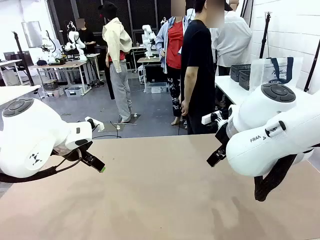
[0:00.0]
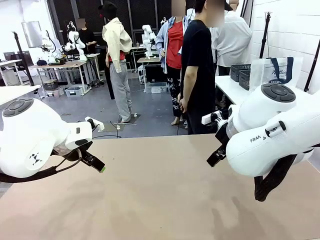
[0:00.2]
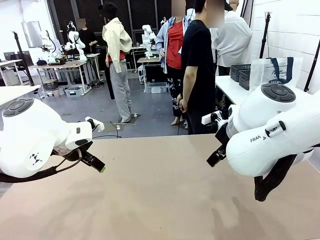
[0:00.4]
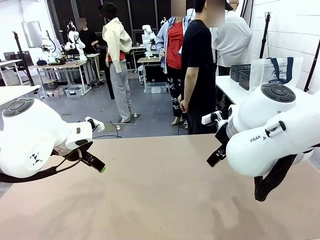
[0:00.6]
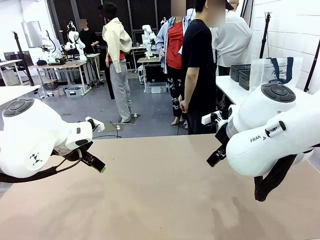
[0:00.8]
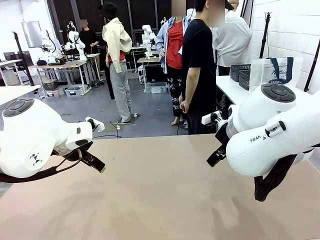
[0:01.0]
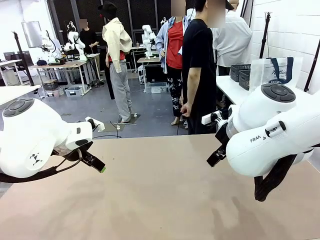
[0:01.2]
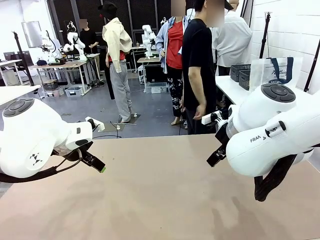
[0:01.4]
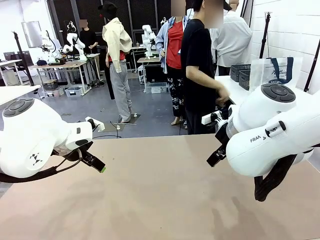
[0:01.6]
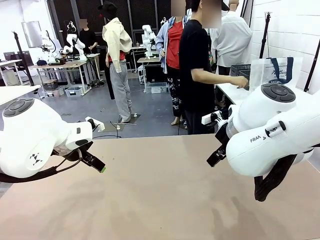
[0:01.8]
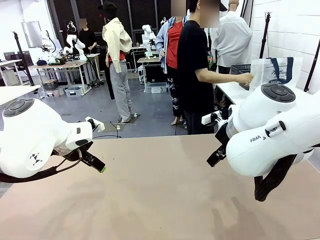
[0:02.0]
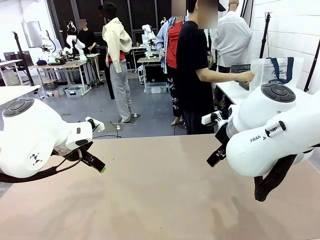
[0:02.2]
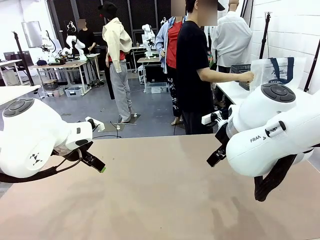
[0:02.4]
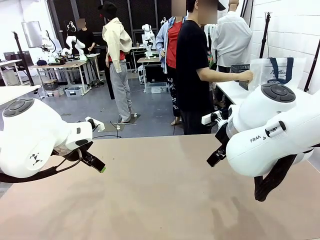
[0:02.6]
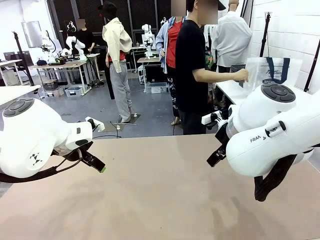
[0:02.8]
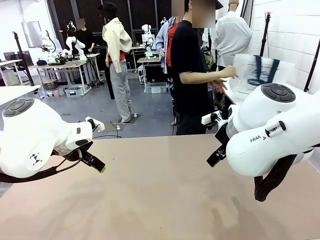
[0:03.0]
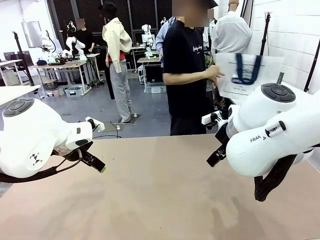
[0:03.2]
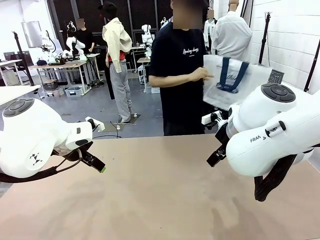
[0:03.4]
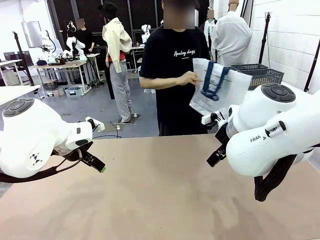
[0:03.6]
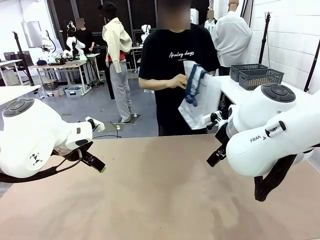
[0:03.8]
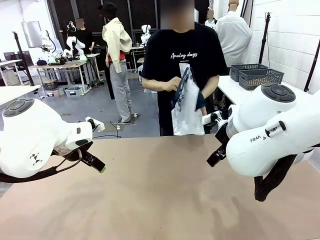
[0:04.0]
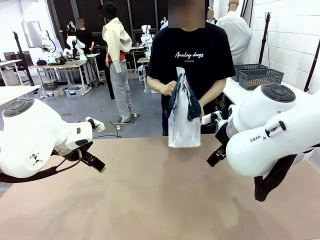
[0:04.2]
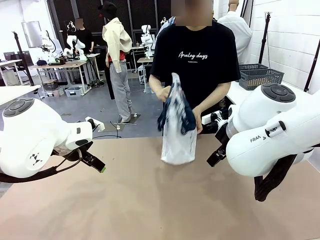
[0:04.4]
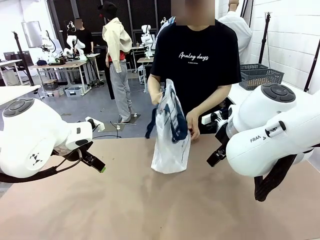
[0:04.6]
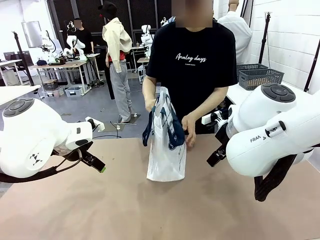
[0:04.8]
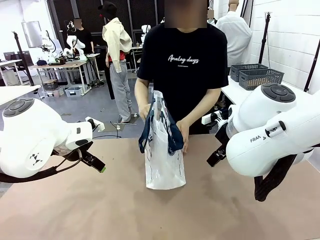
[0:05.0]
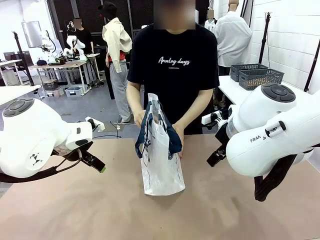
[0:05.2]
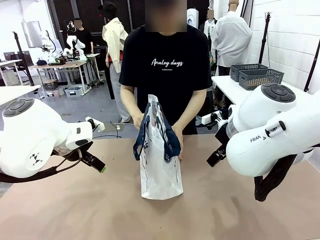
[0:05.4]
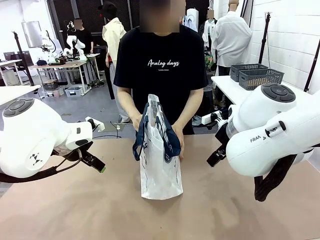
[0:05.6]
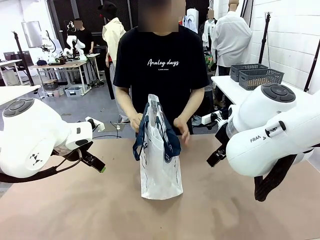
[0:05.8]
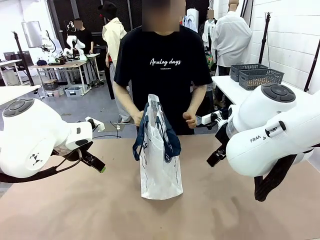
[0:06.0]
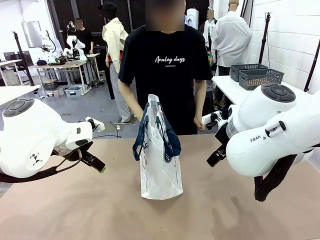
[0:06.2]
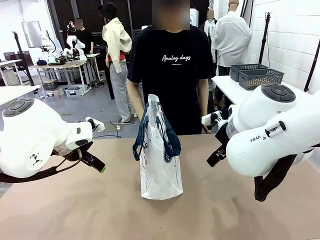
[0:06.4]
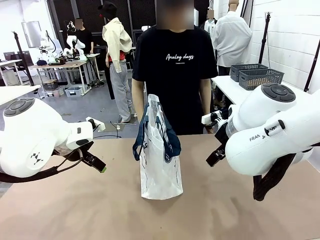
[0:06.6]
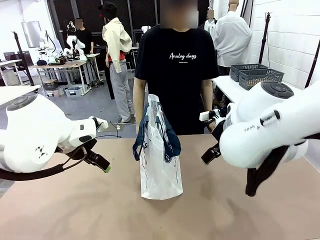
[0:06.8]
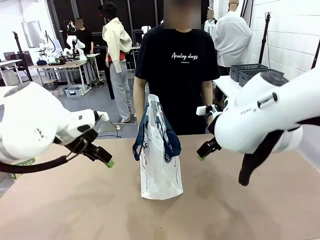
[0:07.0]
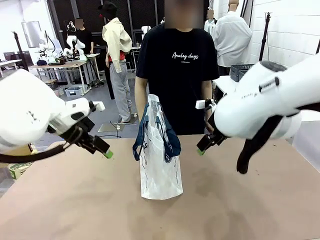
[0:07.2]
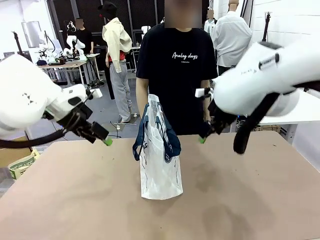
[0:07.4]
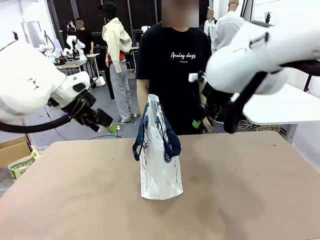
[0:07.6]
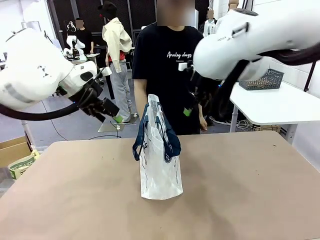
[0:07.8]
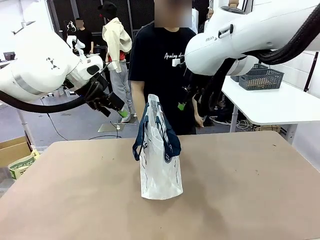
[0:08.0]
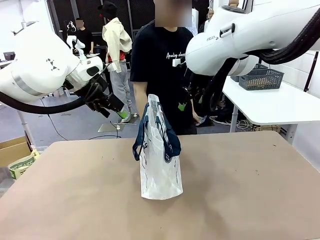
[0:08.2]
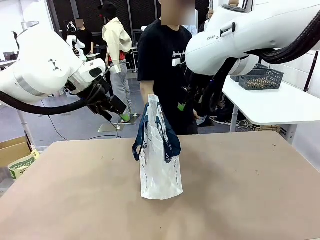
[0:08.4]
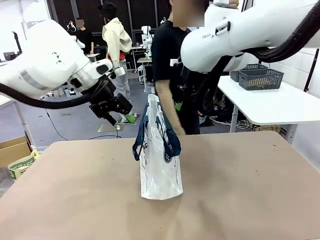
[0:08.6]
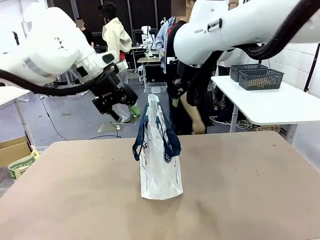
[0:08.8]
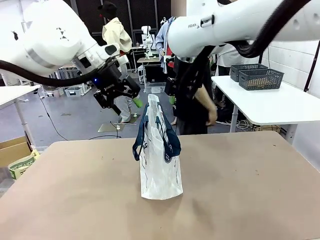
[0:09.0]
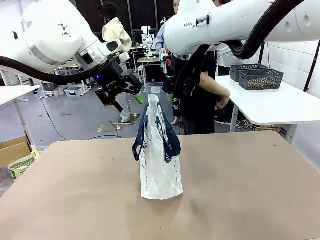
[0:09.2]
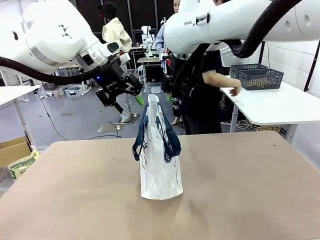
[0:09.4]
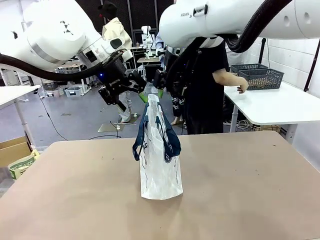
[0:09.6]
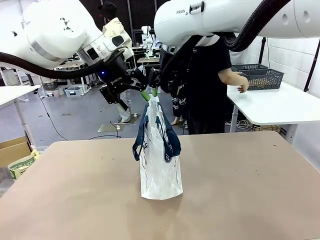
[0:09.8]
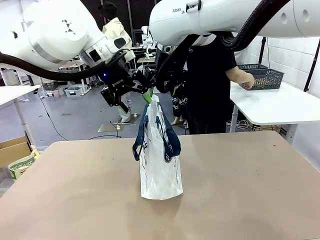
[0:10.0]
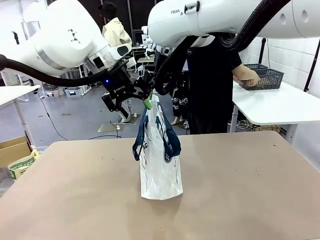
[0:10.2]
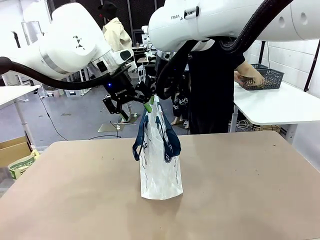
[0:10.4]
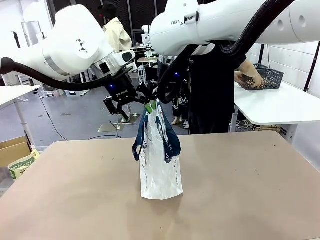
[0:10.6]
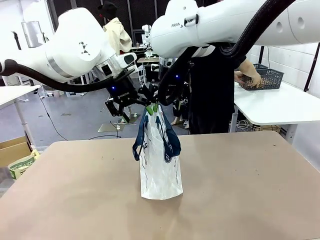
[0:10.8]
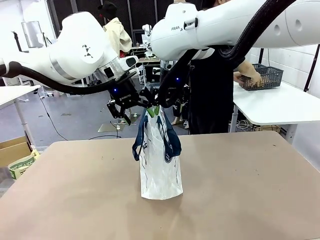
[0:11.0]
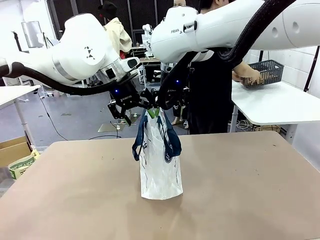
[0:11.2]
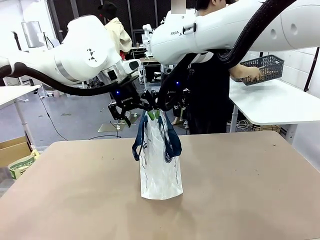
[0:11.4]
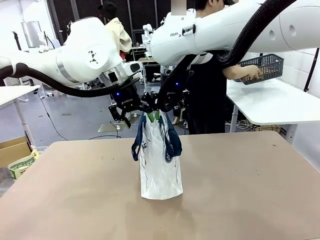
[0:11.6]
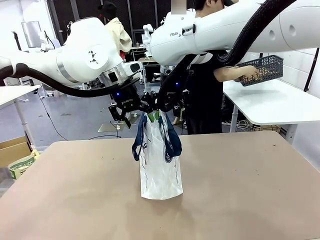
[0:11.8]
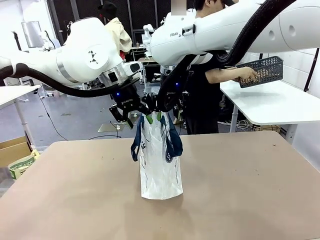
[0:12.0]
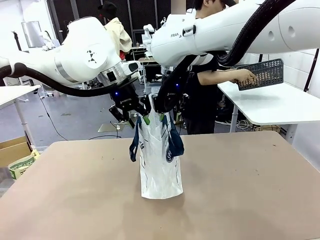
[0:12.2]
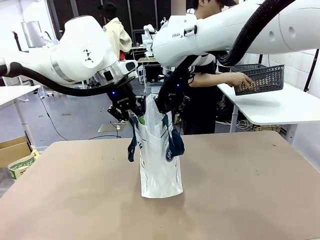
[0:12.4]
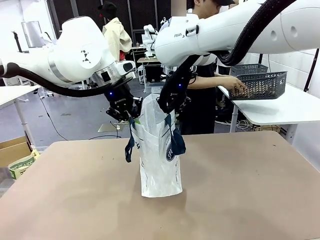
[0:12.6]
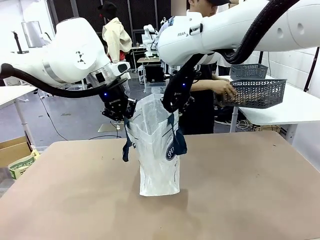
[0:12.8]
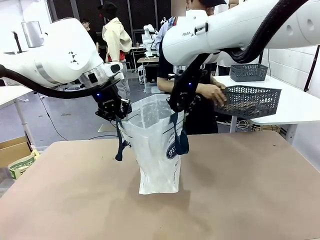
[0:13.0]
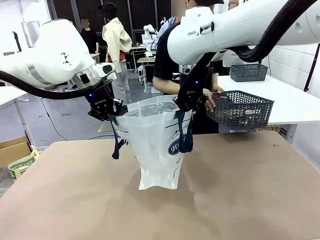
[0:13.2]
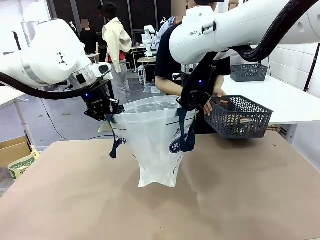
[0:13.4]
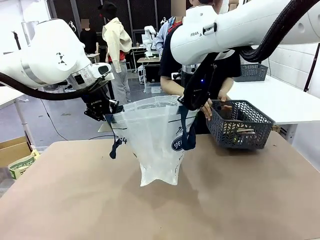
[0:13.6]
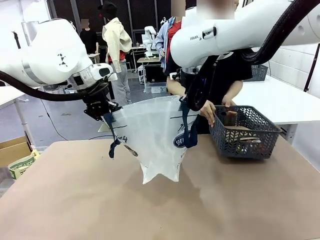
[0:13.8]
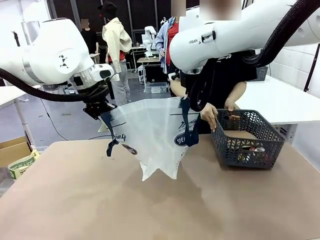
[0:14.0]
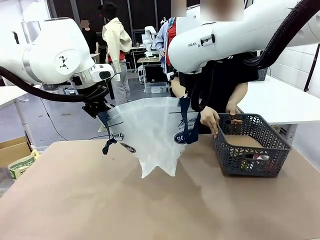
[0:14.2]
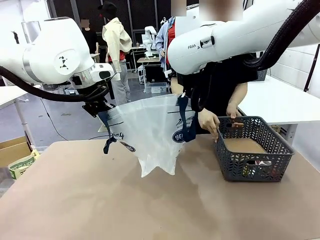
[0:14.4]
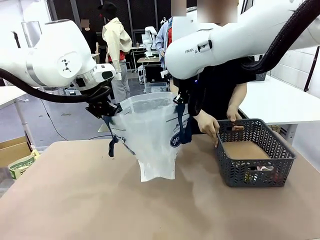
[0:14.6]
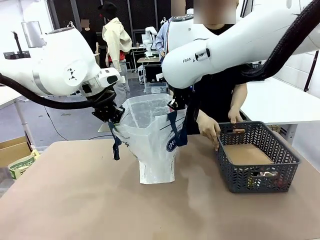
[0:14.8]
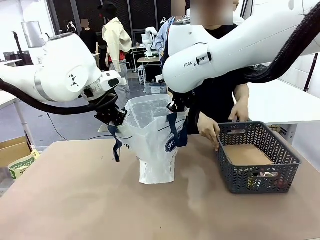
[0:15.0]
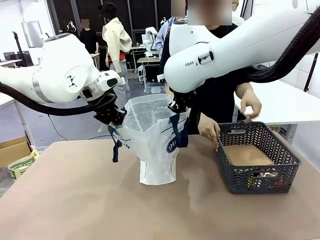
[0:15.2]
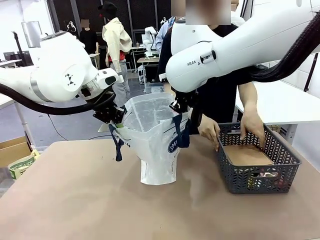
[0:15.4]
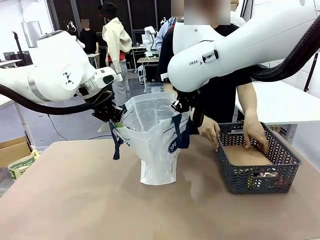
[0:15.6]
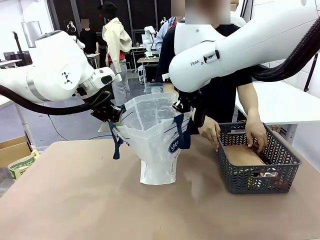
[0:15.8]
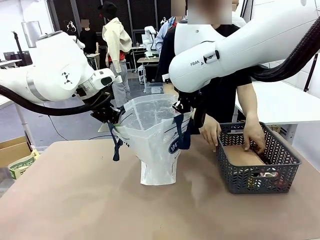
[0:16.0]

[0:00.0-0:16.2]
Task: Transfer purchased items from the store into the shopping bag.
Robot: Open the Reusable shopping bag in the center of the table.
Person: Pick up the shopping bag and place it in the middle of the robot table.
